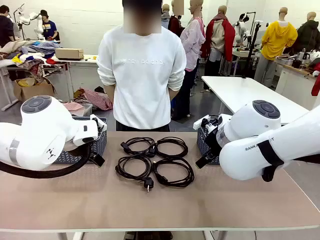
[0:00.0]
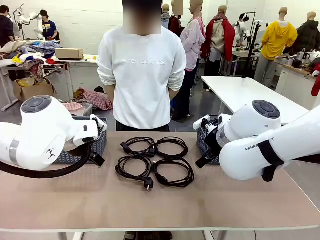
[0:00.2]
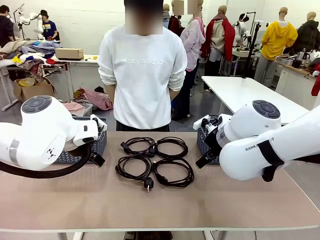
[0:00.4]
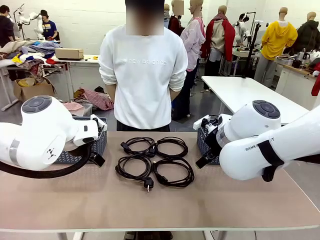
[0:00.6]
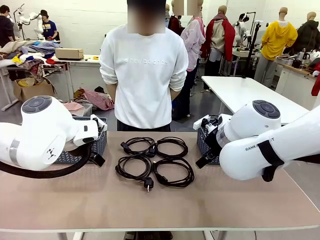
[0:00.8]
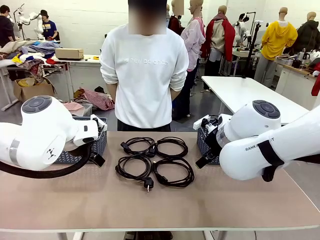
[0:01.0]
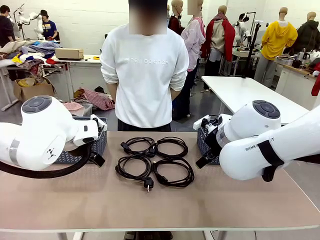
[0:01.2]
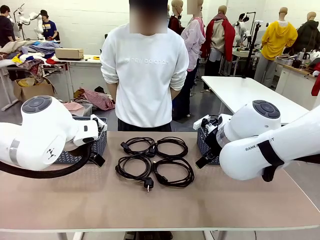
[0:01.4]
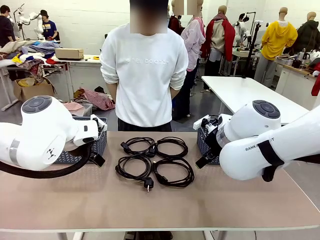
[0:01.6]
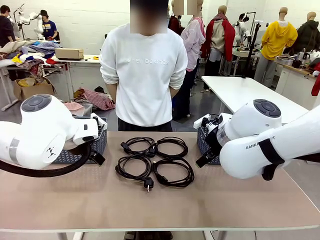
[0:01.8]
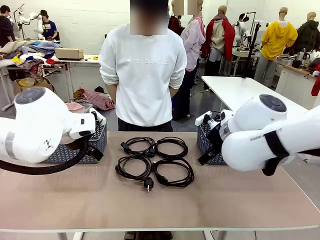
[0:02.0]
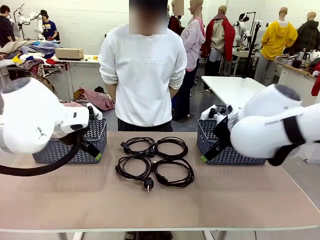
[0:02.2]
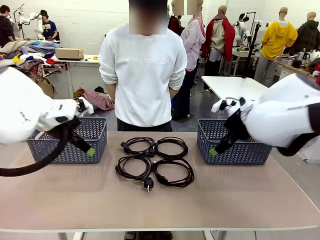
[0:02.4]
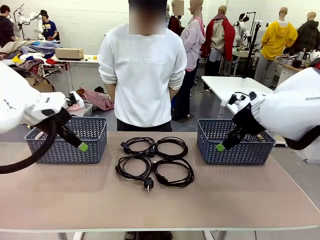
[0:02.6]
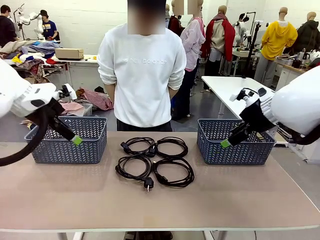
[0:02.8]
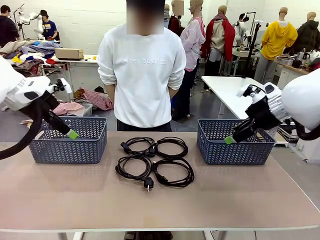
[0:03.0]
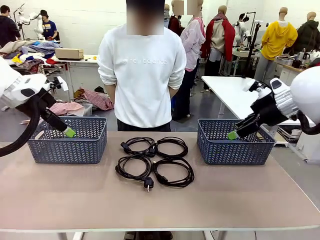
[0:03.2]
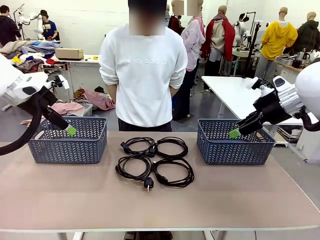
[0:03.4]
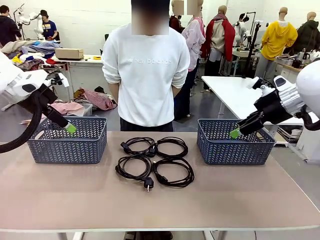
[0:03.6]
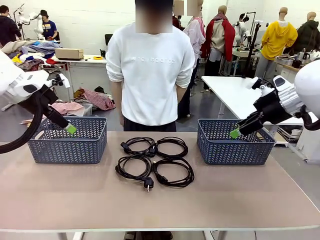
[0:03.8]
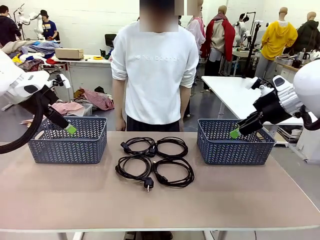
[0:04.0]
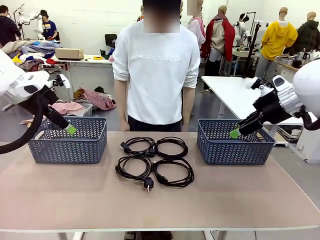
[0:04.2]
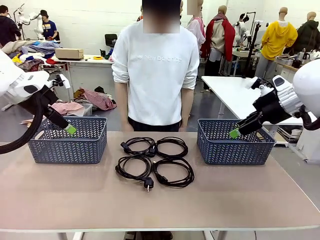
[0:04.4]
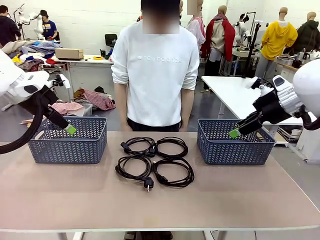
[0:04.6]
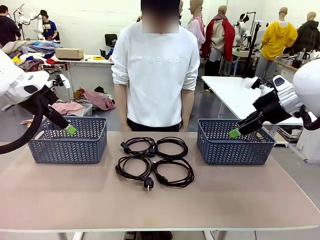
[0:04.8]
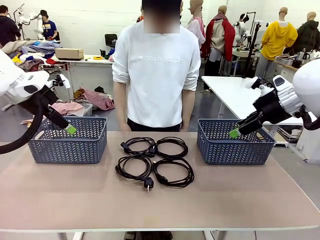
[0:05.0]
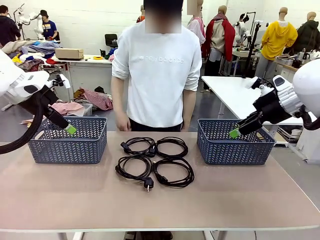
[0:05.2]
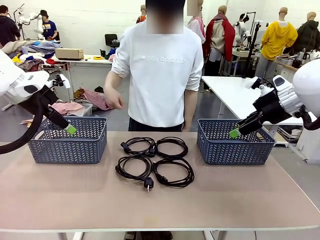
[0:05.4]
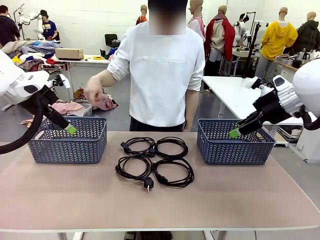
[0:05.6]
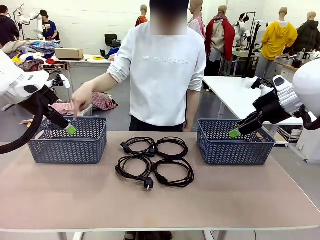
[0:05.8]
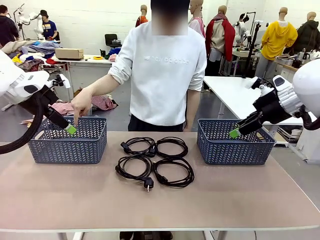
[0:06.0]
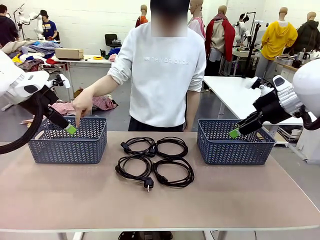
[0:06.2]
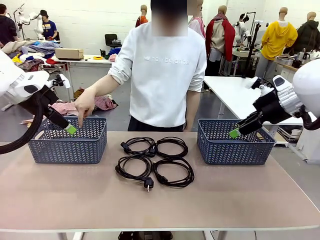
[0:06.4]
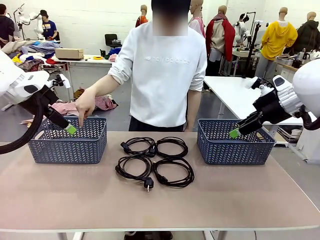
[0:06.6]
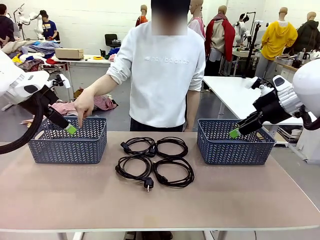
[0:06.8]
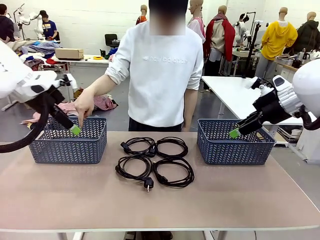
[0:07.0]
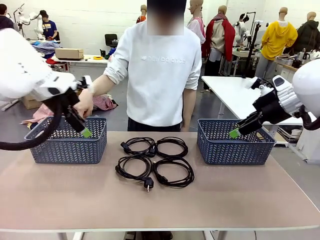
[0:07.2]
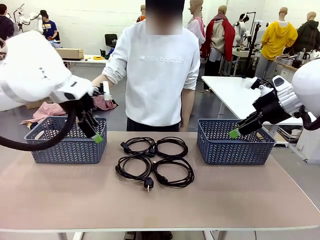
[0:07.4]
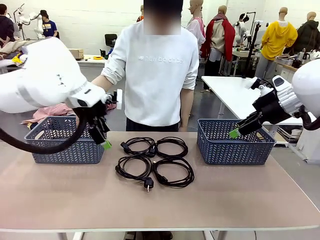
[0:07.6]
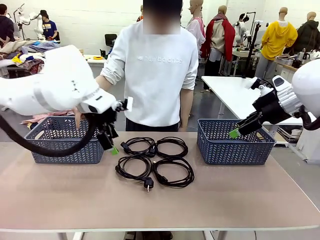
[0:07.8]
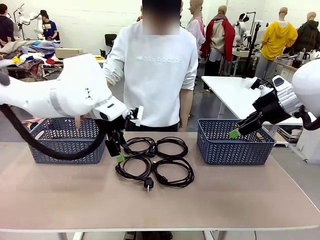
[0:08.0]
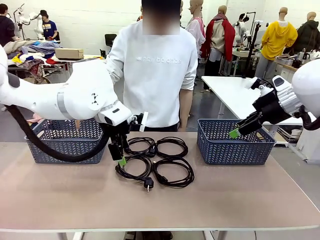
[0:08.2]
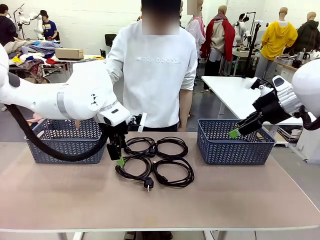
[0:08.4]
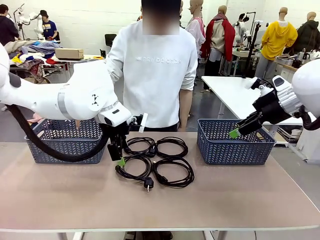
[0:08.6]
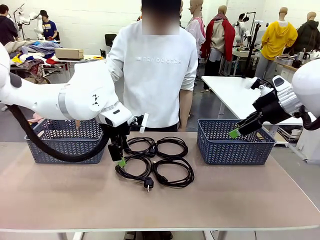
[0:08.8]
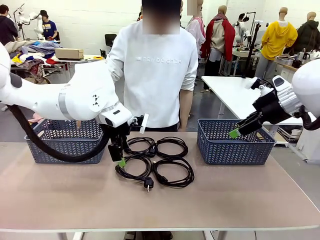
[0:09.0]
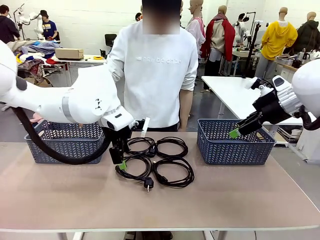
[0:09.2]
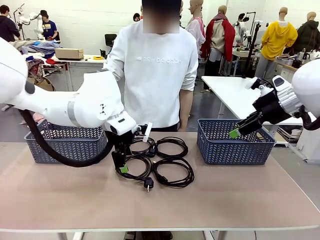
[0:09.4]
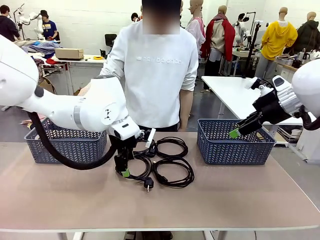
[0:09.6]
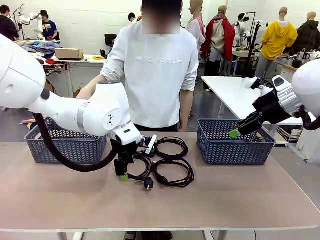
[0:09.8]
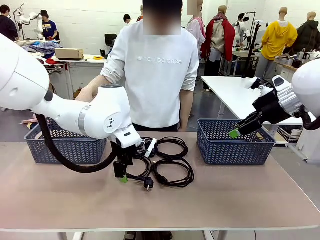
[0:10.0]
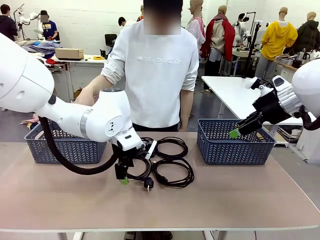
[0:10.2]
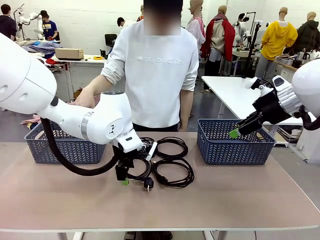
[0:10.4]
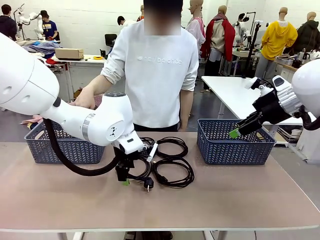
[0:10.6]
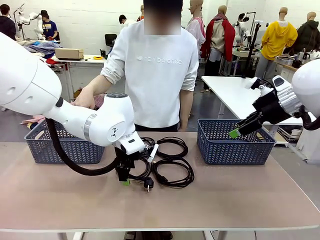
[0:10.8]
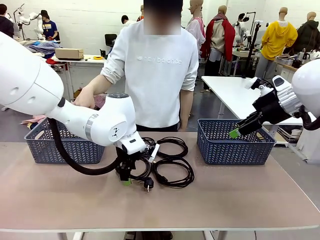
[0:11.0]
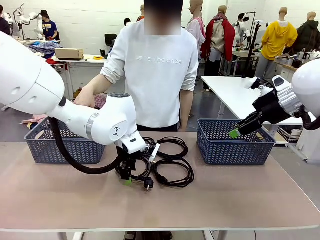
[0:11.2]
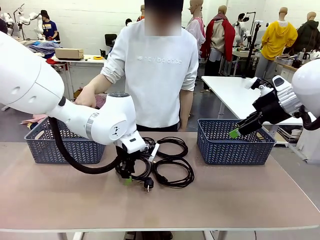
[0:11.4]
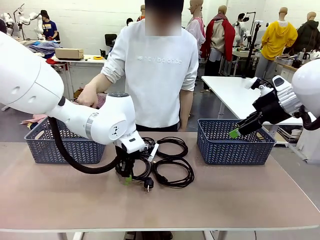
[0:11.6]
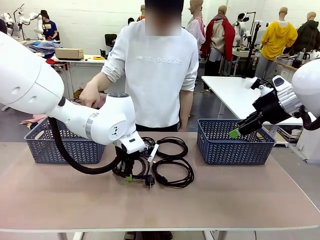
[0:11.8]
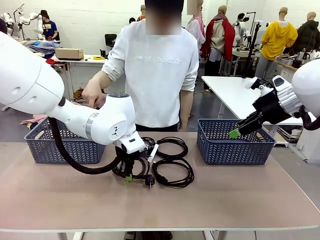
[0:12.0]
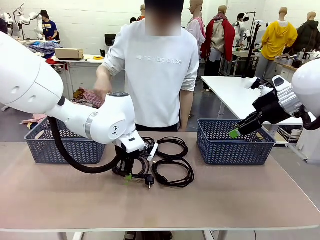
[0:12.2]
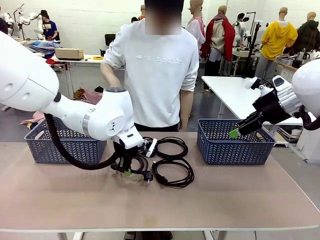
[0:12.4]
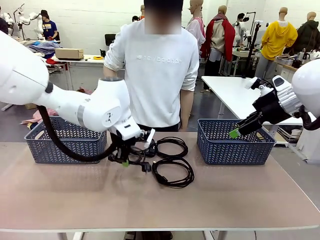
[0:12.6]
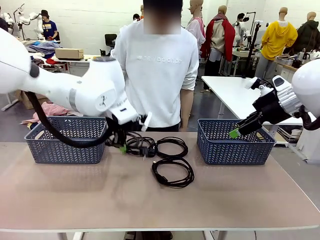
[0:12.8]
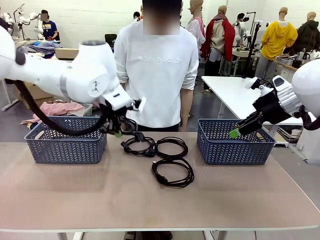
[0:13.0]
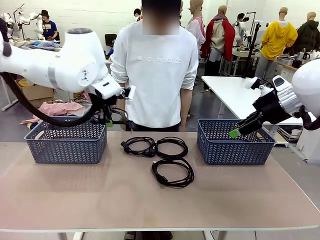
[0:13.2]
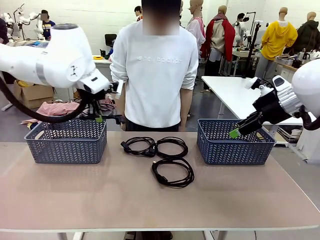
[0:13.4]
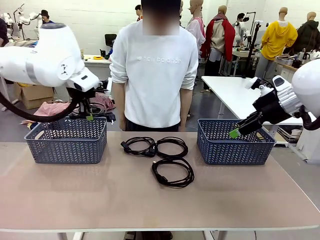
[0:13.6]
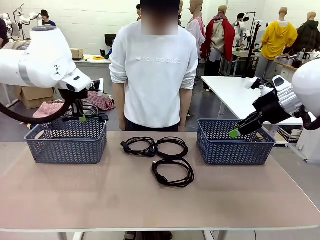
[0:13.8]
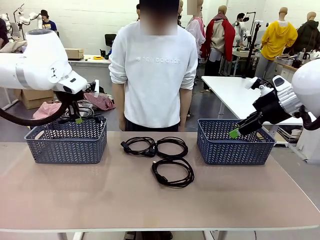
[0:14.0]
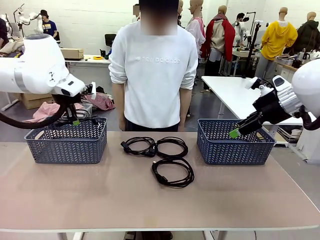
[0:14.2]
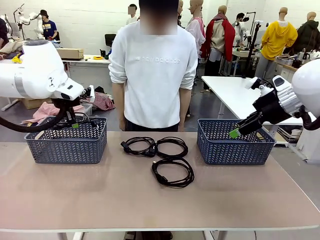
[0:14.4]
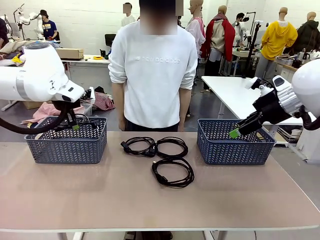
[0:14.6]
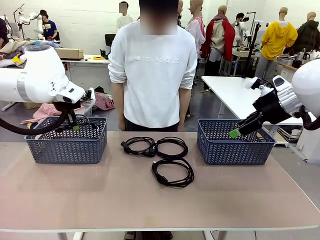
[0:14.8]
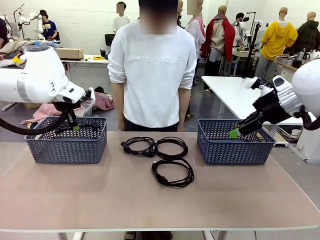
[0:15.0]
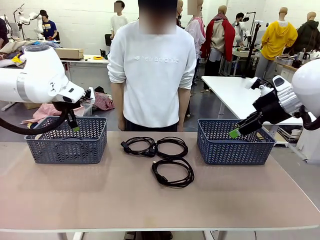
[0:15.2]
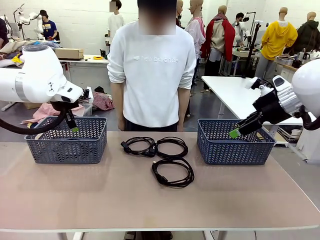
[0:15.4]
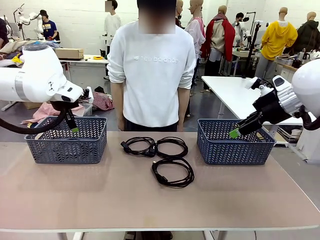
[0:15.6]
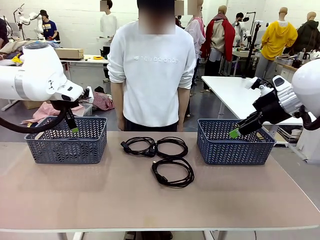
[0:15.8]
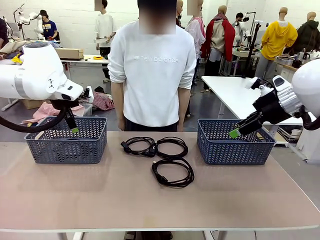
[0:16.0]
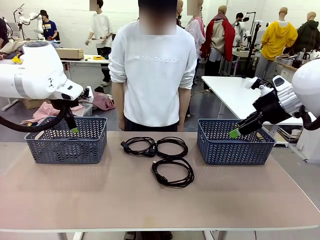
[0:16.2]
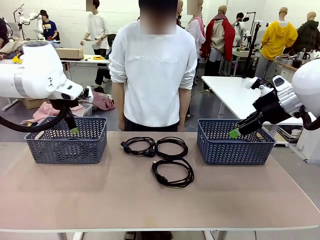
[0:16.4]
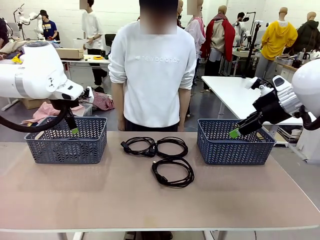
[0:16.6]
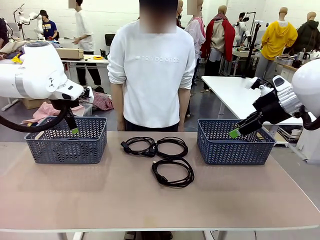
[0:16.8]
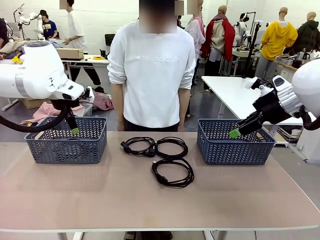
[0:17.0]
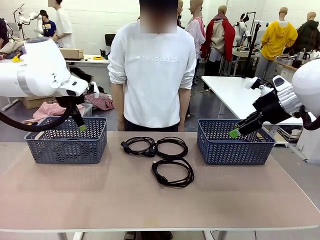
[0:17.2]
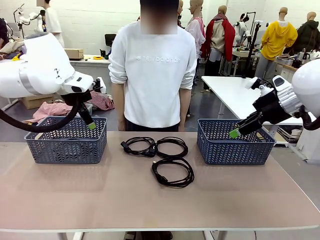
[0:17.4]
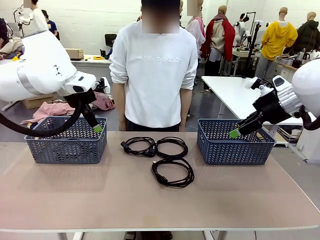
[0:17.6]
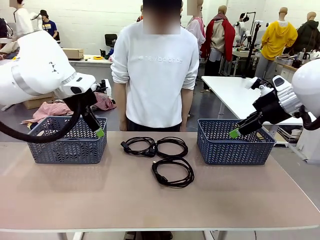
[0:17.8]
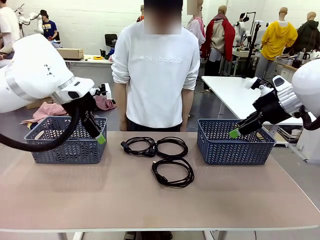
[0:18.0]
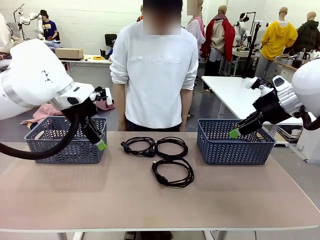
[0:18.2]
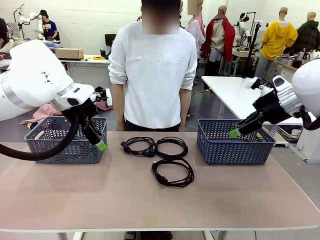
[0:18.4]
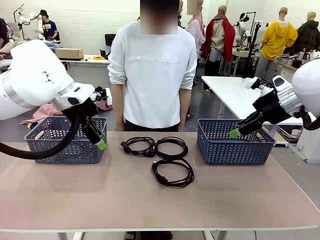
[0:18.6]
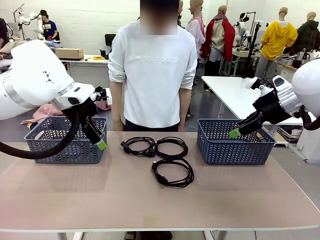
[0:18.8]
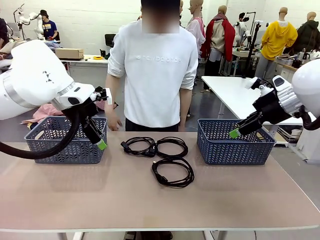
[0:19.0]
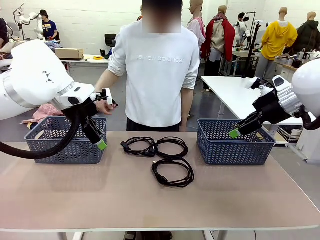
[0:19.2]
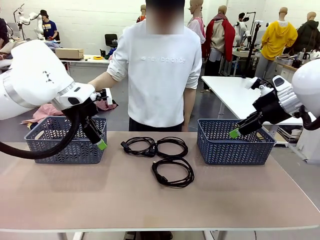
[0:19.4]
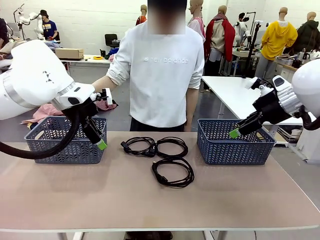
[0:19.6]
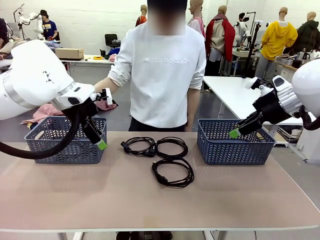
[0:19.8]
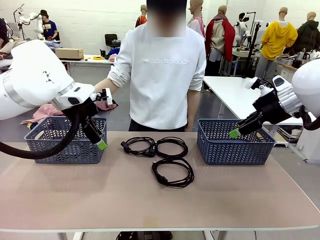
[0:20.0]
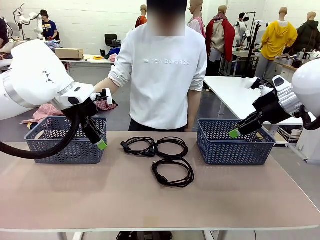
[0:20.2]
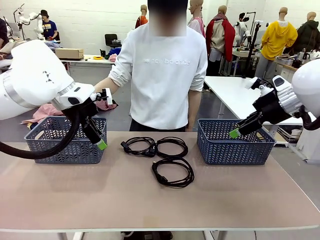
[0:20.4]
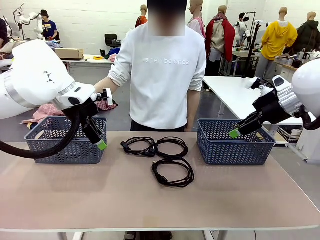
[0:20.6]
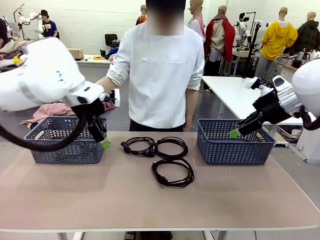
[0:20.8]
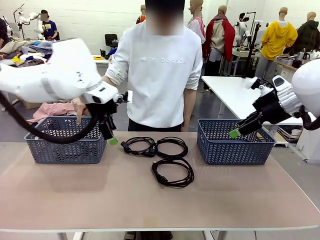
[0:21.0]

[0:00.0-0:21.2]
Task: Organize the cables according to human instructions.
Robot: Pick up a bundle of cables and place it in the basket indicated by the human.
